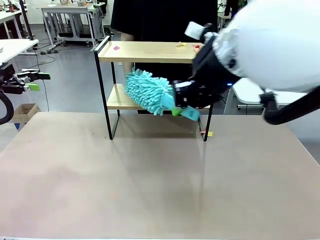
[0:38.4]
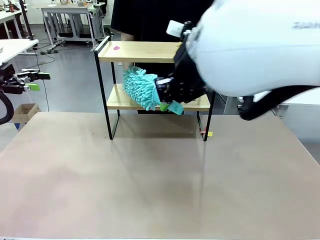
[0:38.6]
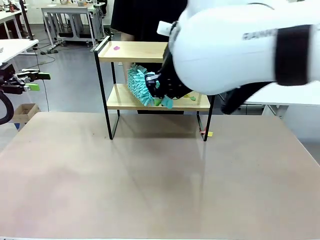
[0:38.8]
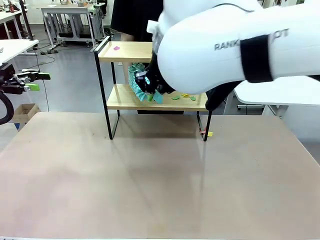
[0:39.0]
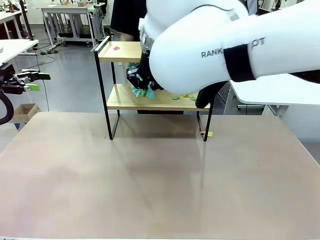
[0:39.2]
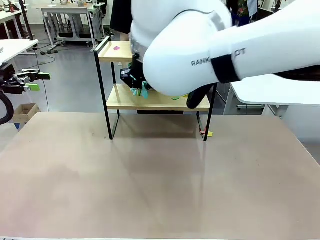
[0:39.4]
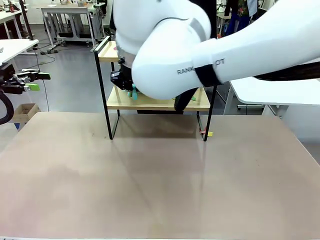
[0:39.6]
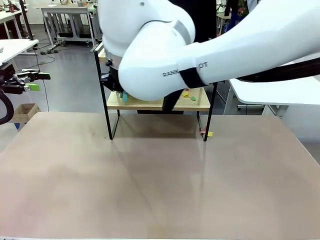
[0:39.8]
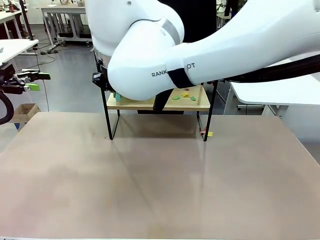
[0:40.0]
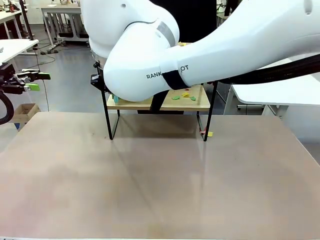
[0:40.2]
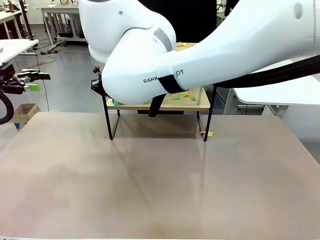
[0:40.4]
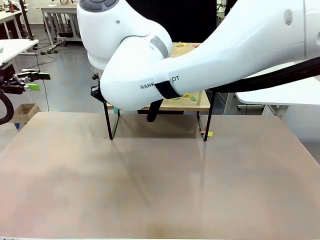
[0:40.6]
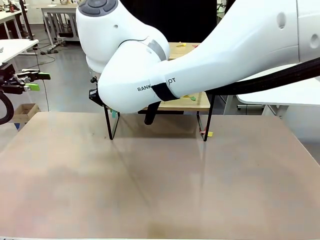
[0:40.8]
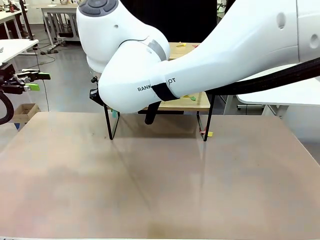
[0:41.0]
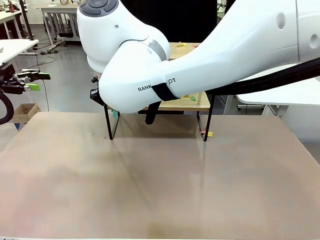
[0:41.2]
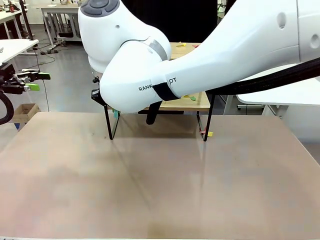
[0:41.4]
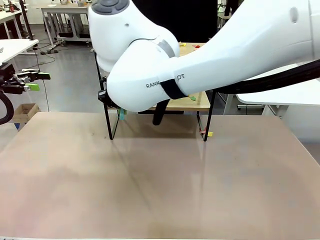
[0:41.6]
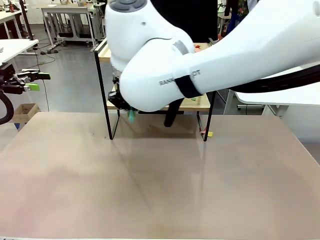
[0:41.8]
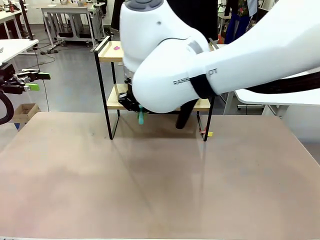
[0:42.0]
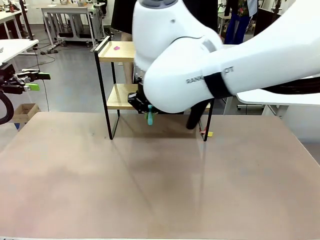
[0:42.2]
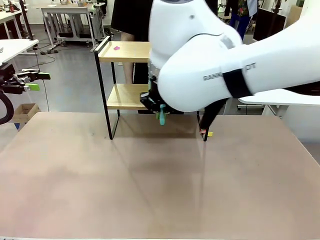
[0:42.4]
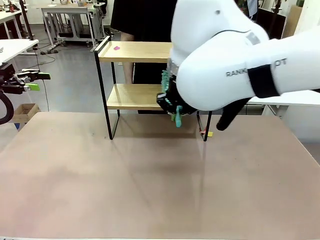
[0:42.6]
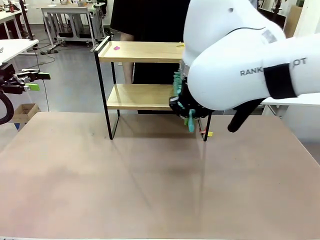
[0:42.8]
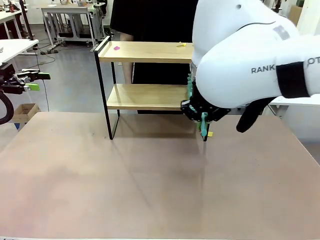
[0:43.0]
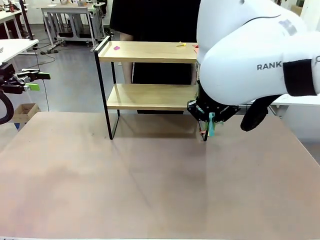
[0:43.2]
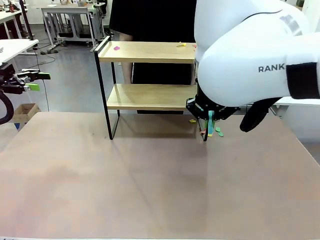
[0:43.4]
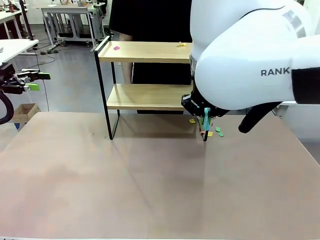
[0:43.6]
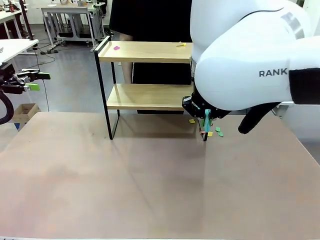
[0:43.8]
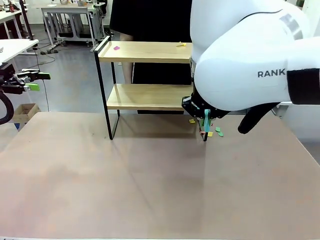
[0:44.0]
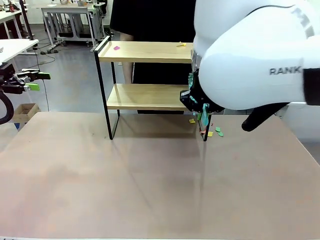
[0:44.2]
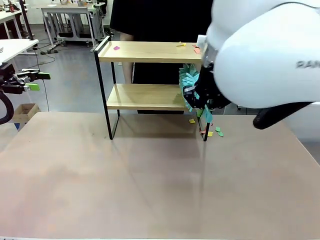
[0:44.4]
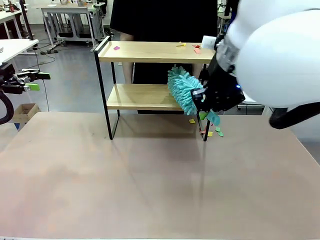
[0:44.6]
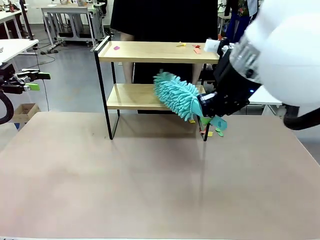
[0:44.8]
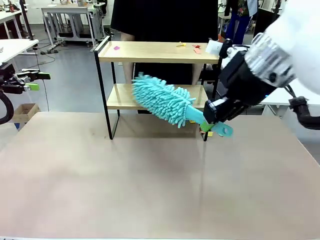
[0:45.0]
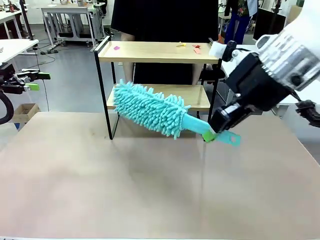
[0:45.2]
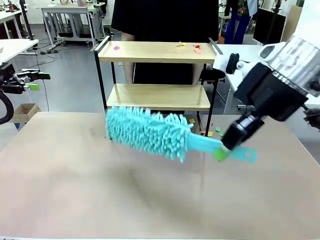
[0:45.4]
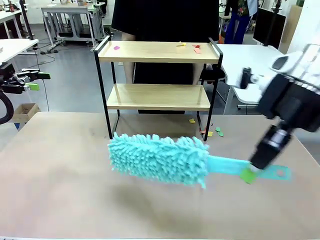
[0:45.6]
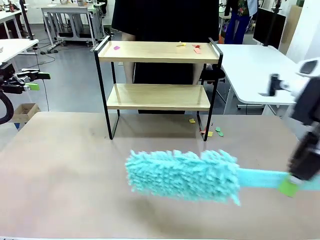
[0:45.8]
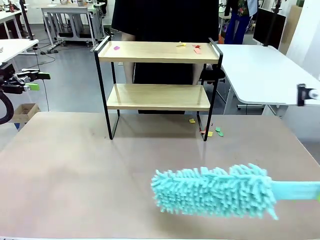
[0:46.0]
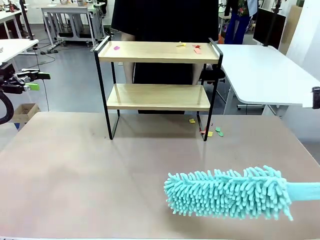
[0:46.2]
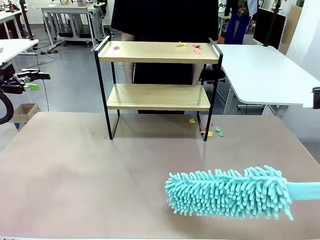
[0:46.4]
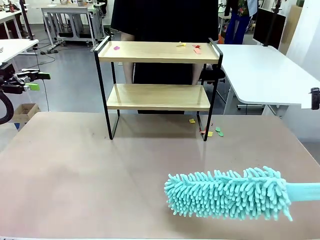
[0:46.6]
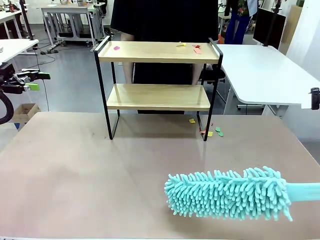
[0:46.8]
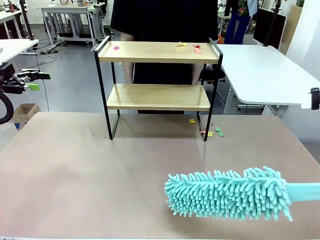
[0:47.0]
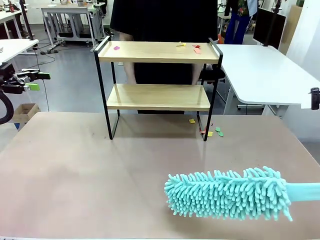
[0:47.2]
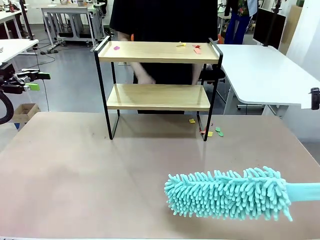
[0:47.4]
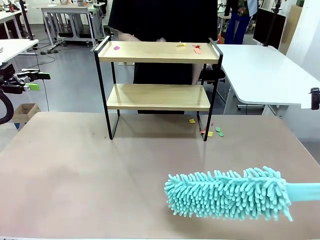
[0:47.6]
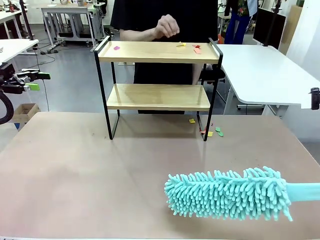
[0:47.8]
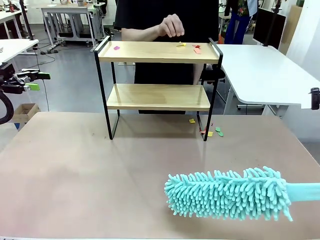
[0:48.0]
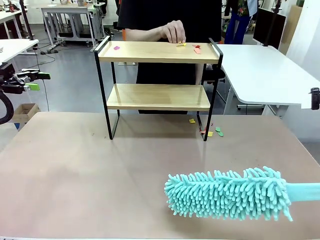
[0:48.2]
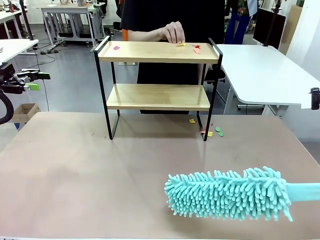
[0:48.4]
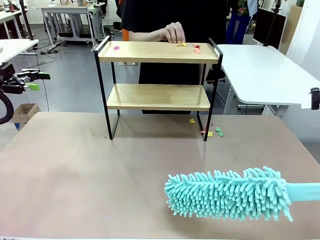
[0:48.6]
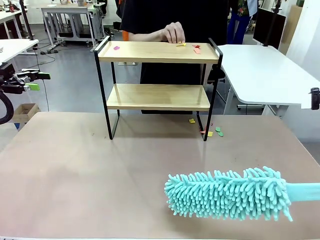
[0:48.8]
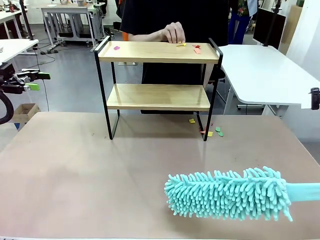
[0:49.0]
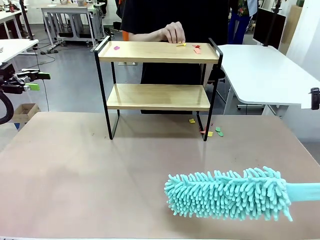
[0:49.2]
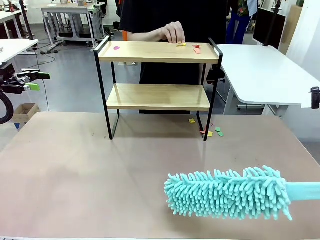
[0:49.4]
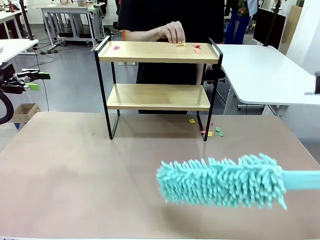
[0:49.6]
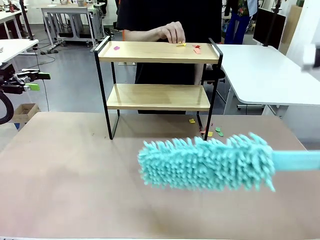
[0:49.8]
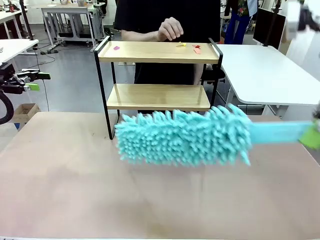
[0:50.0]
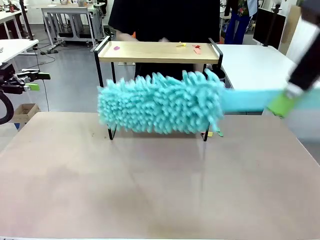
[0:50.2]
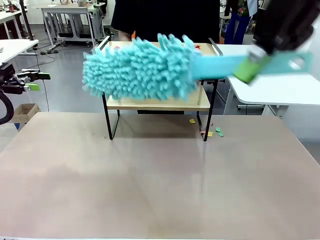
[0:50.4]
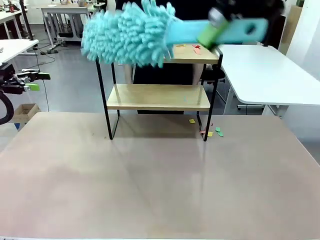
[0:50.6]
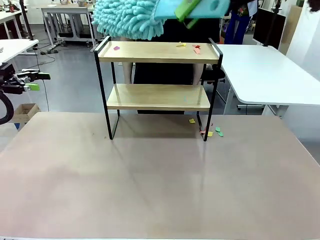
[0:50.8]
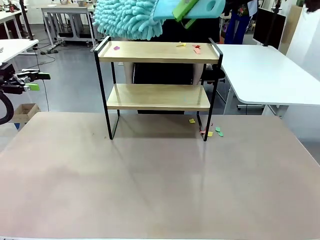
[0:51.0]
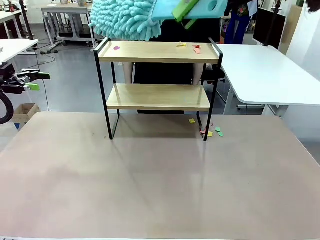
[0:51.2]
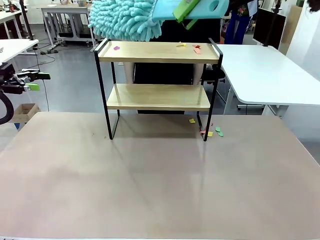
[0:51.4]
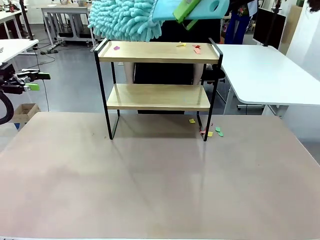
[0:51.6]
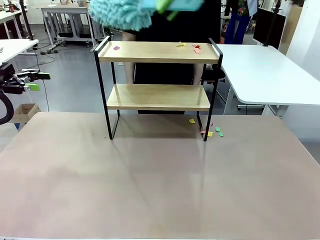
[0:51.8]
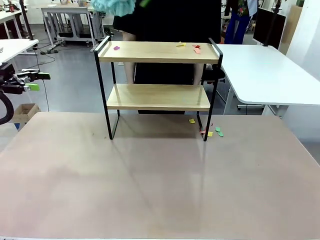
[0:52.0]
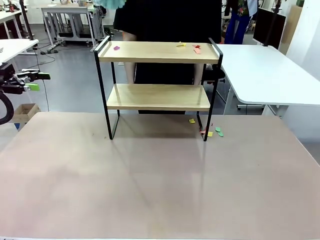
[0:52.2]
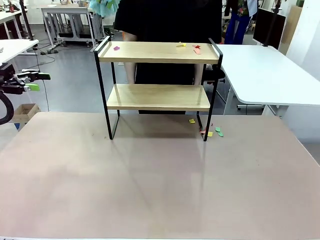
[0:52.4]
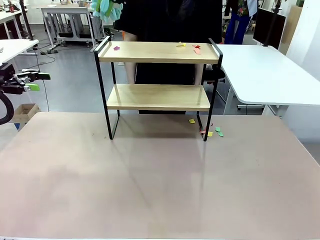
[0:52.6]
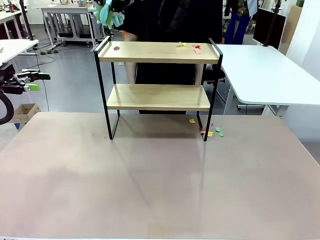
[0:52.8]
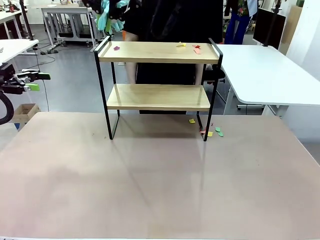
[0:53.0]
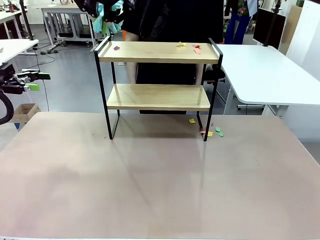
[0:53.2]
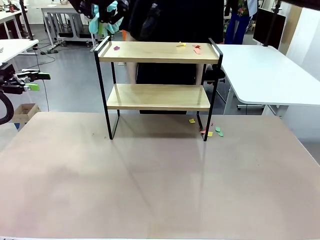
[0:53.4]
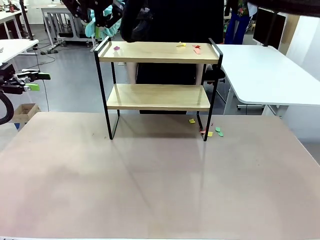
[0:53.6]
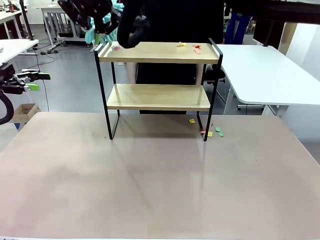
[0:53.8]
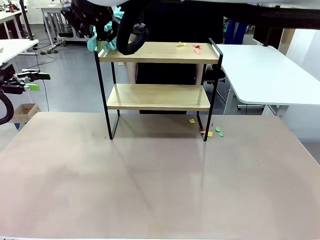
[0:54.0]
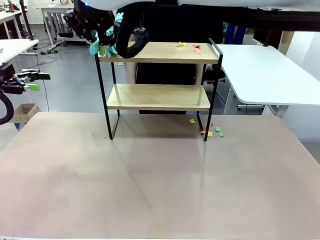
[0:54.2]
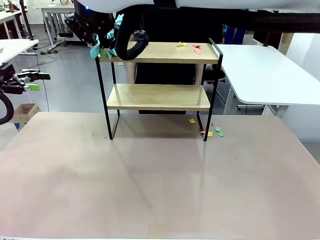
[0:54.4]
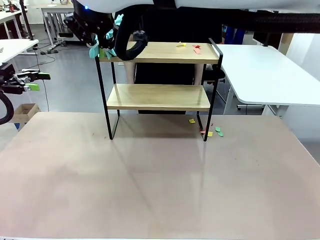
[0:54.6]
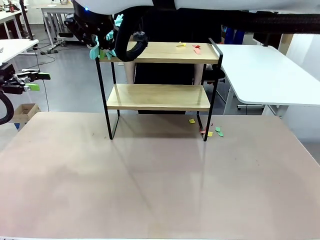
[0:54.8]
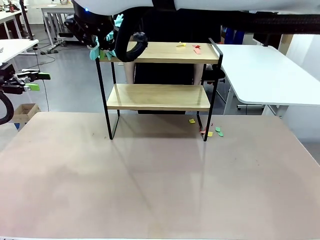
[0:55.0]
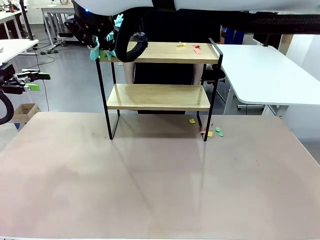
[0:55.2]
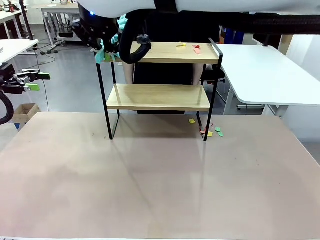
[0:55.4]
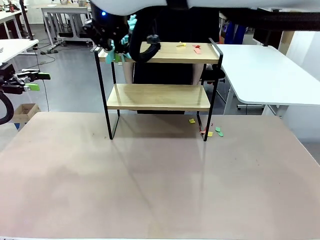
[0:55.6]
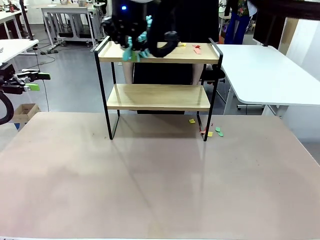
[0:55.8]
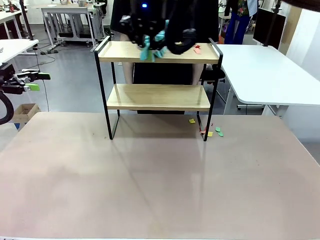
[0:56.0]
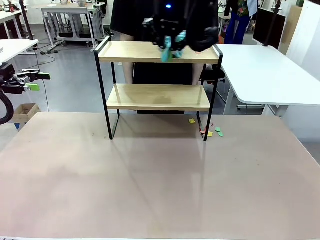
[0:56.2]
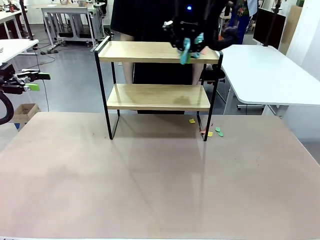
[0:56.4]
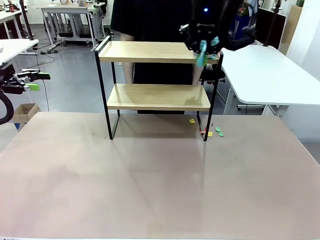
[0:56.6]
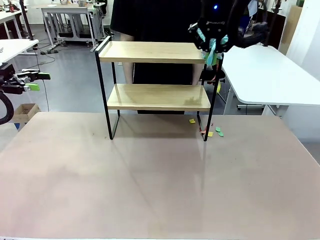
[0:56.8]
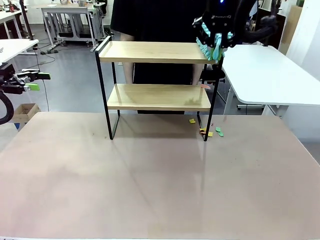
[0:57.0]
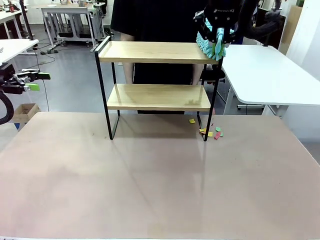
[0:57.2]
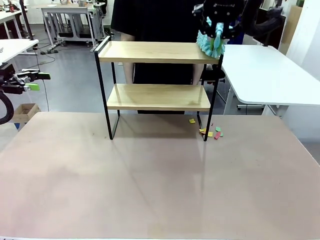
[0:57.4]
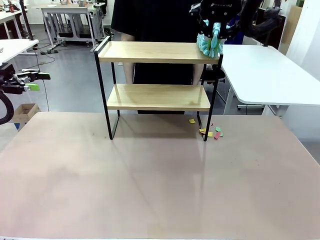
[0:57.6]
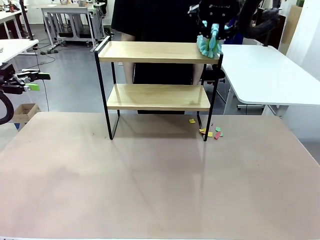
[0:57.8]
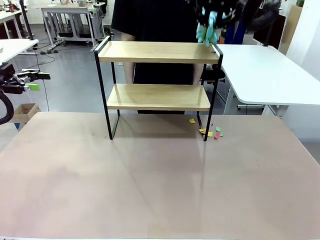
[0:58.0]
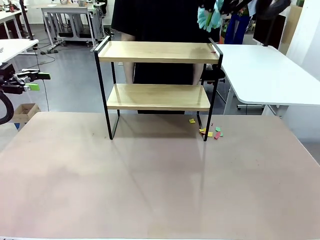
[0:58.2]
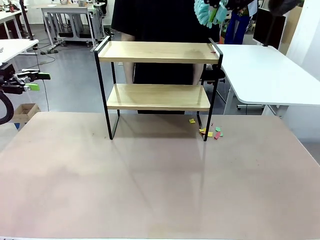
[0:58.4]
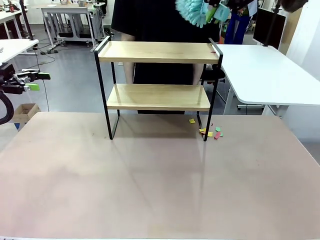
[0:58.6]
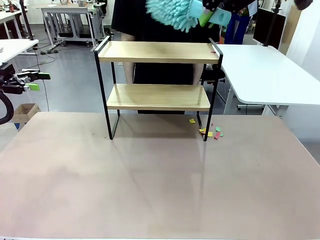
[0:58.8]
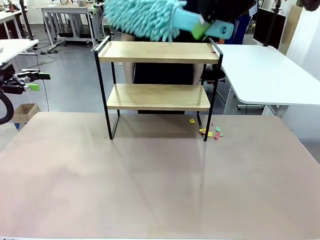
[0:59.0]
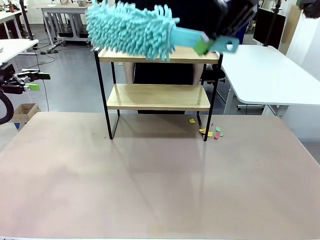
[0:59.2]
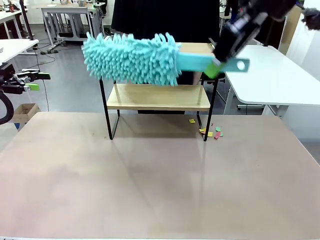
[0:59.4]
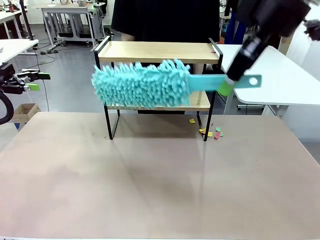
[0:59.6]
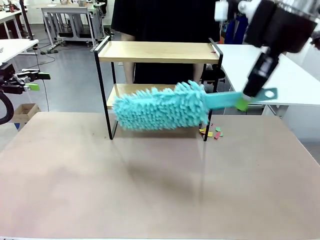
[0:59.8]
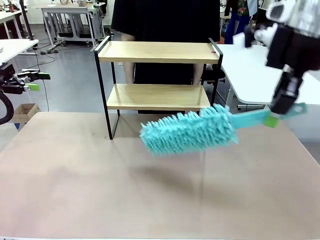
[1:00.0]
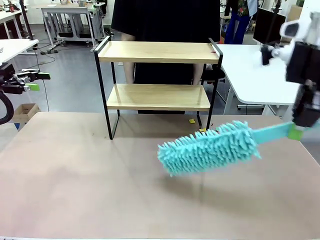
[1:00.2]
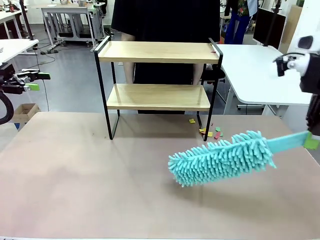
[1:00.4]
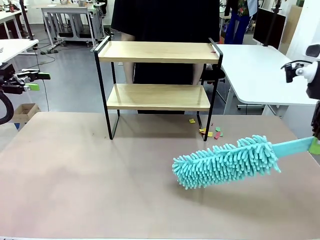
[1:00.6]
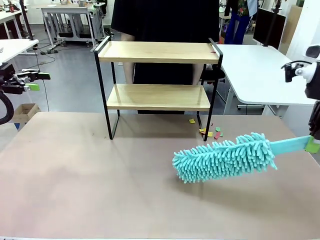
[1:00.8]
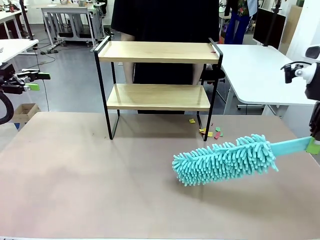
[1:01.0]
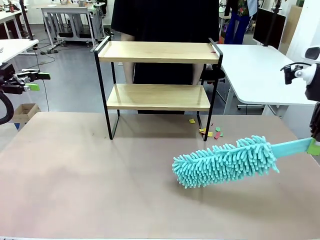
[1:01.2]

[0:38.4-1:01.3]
Task: Clean the shelf.
Robot: Clean the specific section of the Shelf indicated by the human with the Duster.
Person: Point a remaining section of the Shelf.
